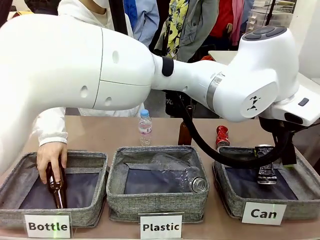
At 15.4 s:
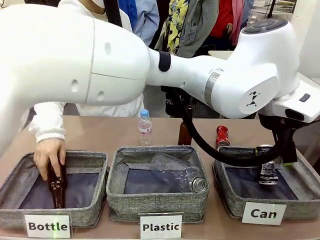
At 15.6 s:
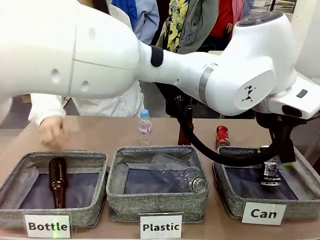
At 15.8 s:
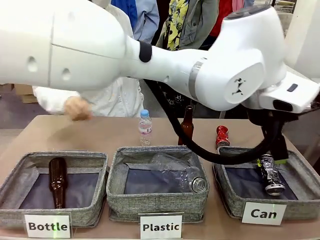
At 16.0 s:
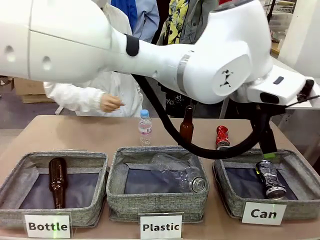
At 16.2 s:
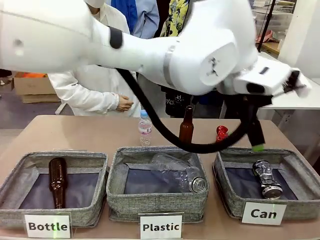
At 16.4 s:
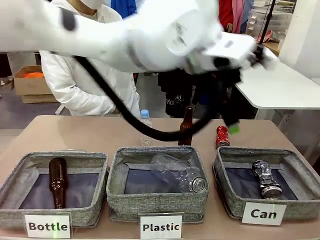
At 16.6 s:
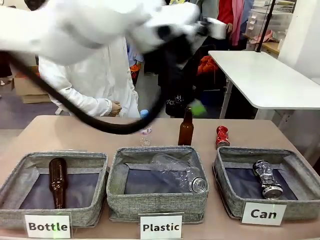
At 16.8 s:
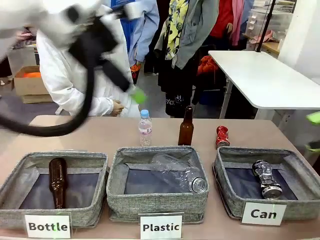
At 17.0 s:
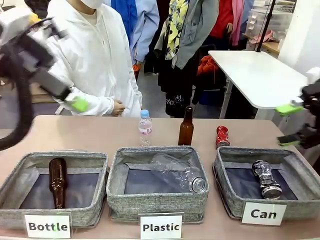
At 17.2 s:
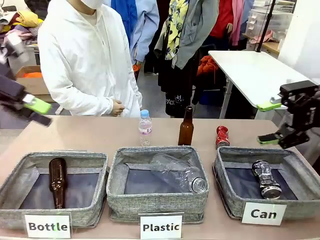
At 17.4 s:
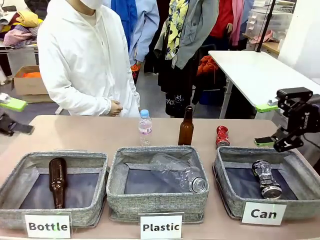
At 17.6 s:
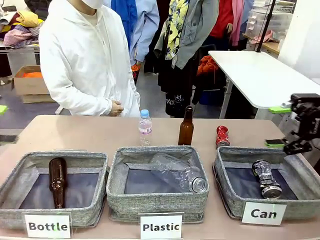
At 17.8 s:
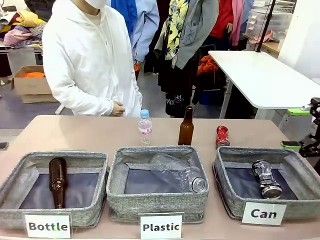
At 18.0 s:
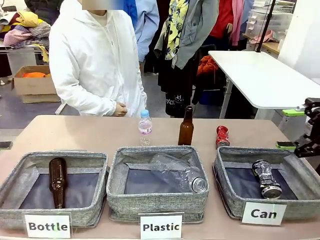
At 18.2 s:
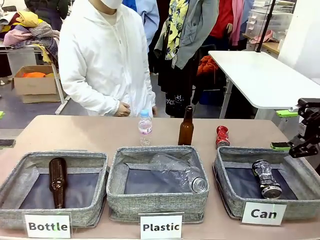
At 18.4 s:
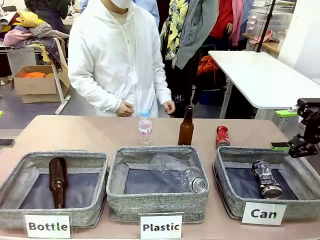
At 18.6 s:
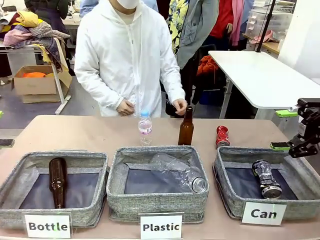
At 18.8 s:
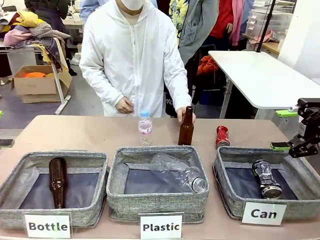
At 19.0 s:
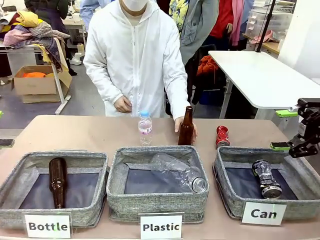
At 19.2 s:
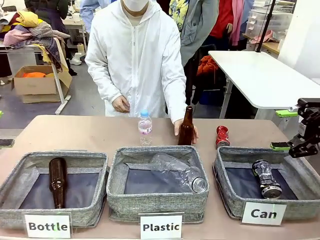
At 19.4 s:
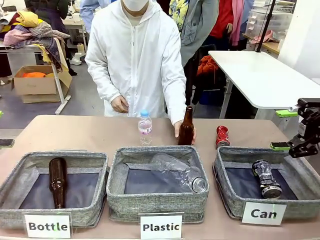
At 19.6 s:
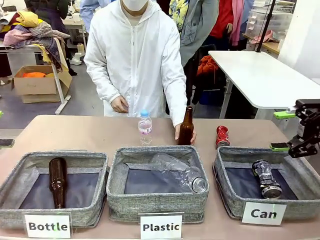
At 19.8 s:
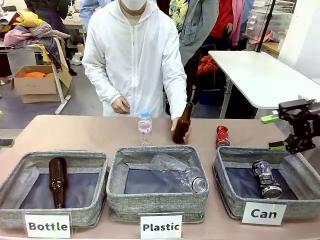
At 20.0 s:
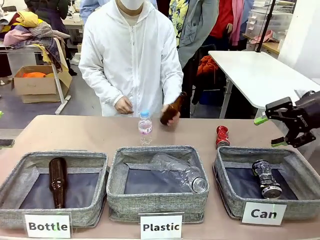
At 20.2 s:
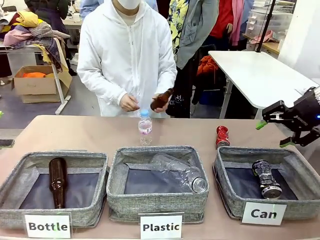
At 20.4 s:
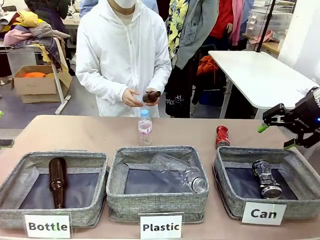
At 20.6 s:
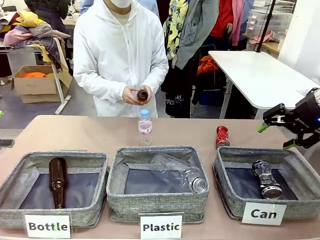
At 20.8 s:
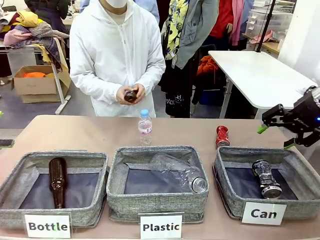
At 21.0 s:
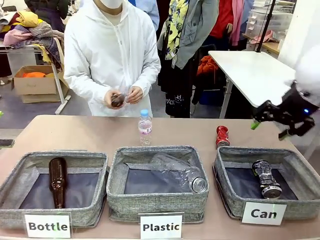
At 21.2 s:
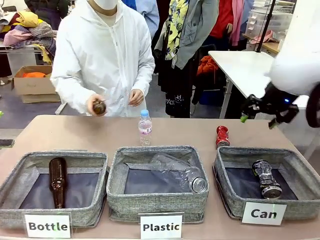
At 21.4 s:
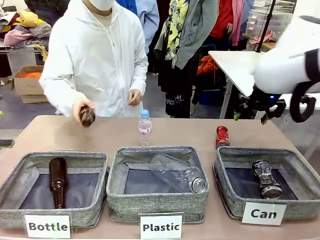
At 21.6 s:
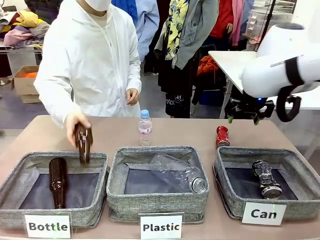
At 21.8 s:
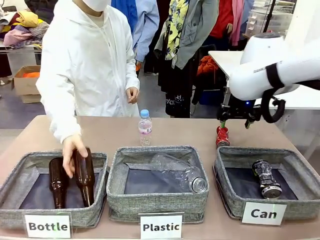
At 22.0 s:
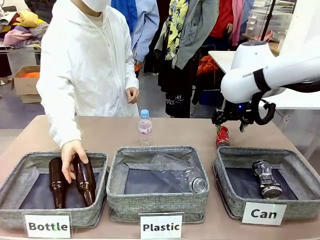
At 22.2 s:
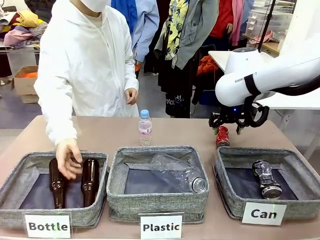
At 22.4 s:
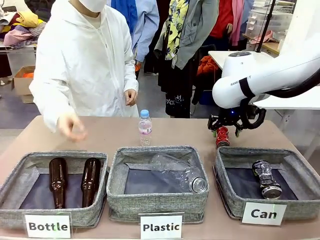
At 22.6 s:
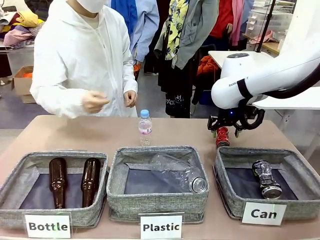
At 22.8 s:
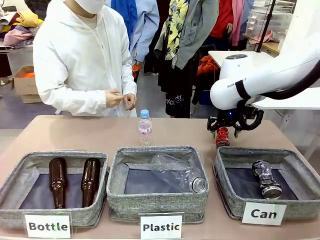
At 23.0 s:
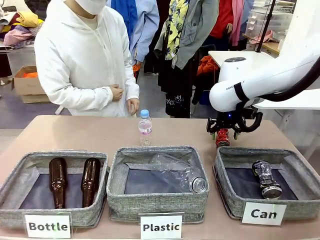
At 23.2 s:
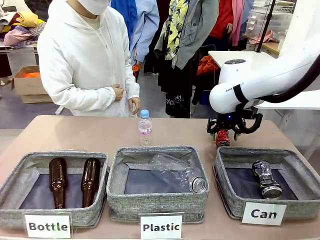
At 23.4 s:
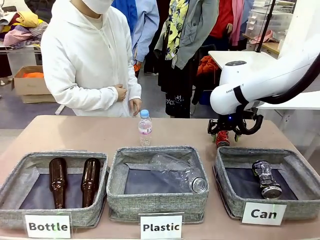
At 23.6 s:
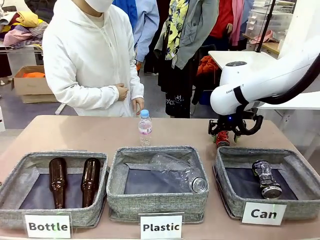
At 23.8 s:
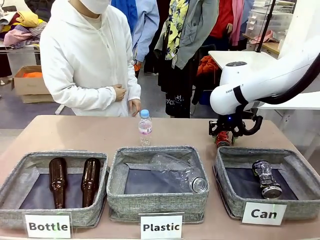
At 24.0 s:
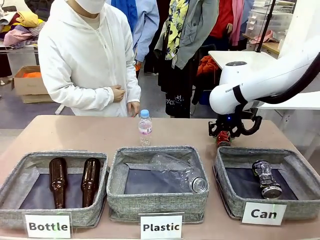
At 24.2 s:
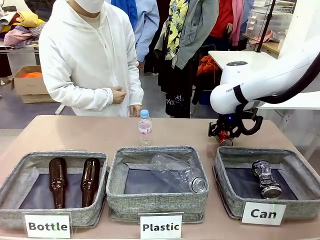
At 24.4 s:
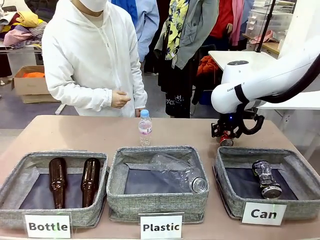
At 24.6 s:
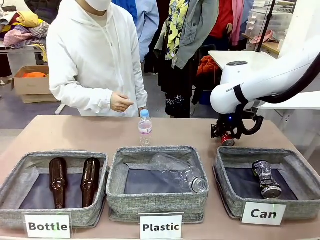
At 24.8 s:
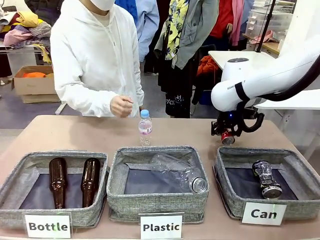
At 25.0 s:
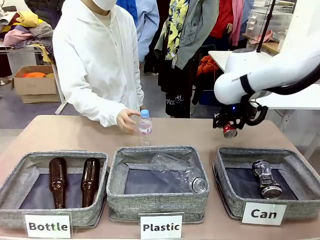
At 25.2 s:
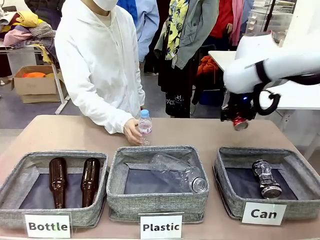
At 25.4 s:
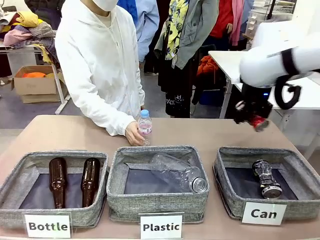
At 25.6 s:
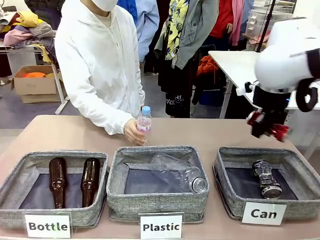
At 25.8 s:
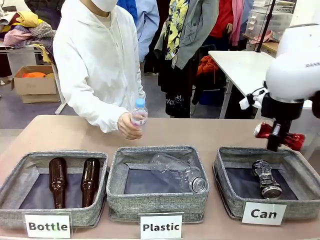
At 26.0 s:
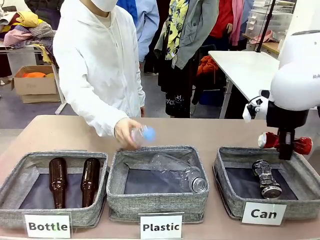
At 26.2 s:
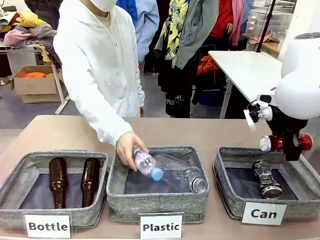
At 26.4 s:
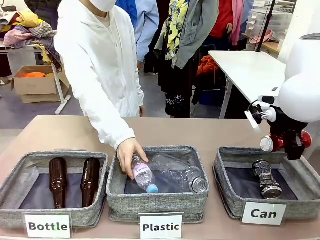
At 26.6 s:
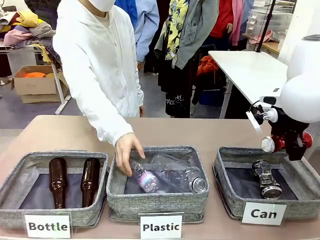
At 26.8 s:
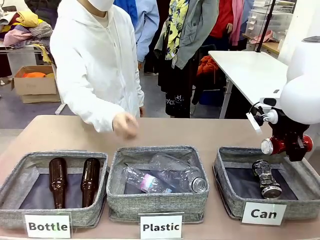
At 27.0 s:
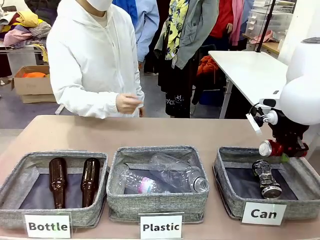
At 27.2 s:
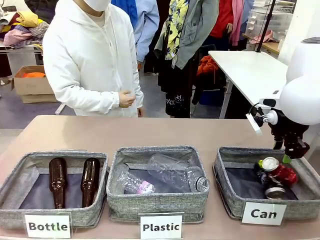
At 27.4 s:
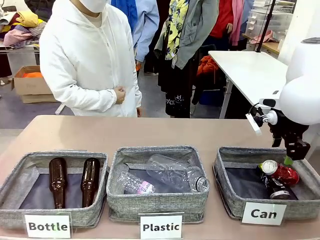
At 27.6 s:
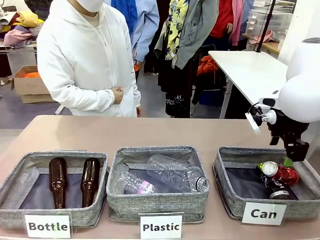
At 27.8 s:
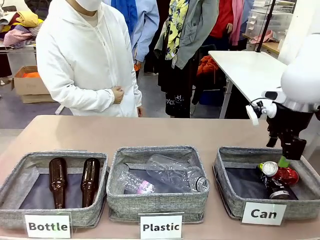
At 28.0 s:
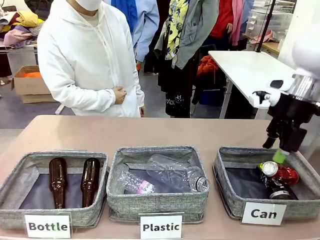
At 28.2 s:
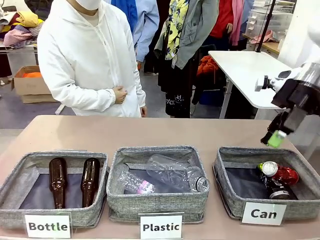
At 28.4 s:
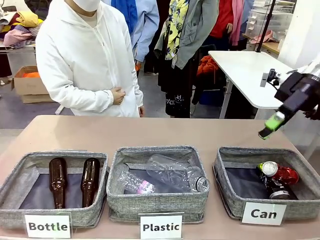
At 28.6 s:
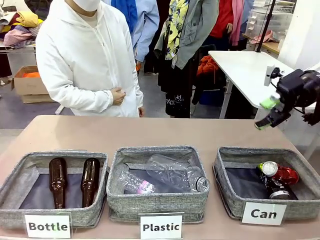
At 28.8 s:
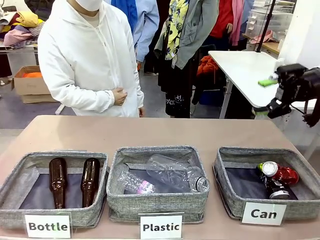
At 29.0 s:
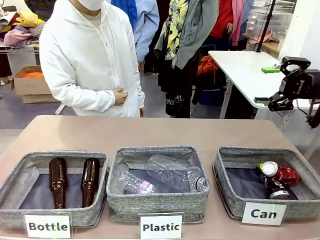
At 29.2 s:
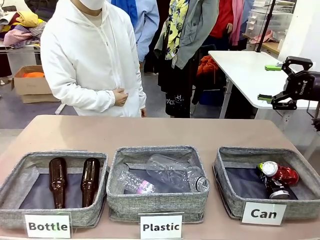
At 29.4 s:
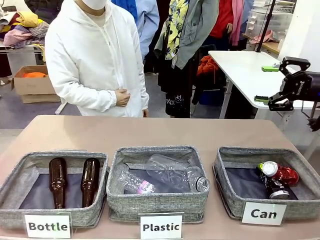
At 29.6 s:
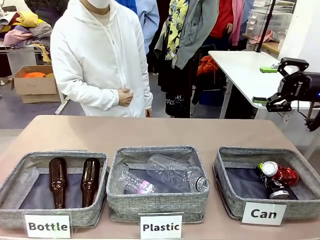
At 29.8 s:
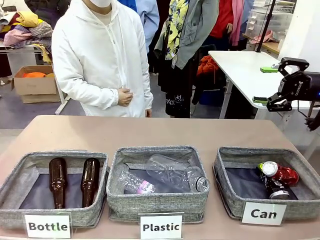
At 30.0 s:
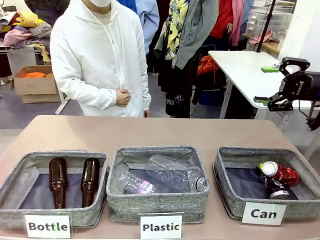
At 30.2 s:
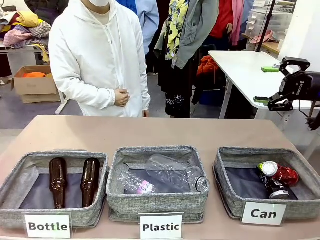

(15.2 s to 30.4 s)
Task: Sort the can waste into the basket.
Robot: Pick up the can waste from the table and place it in the right Fabric basket.
